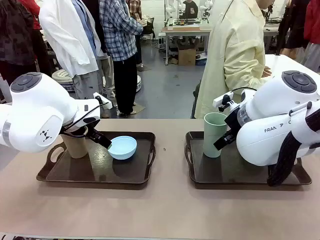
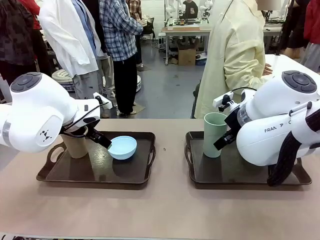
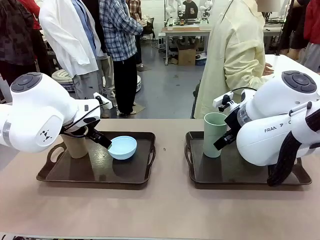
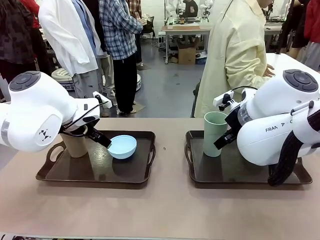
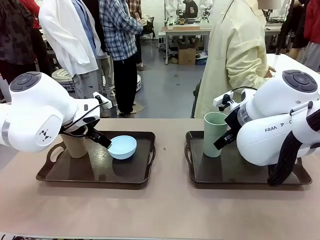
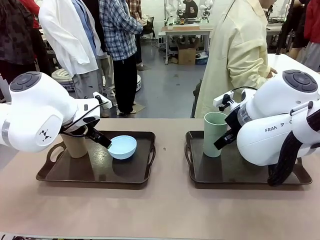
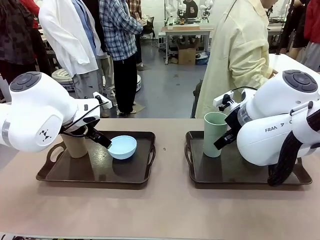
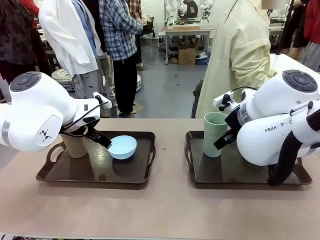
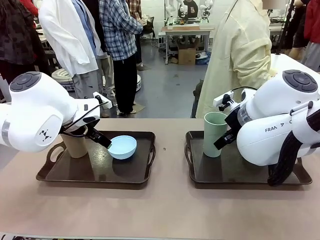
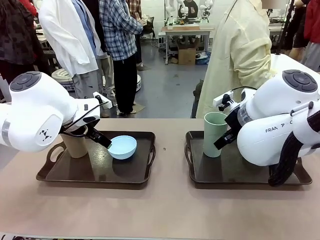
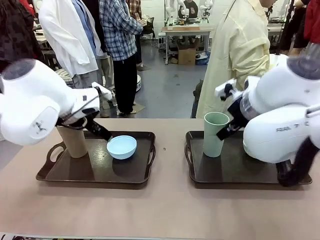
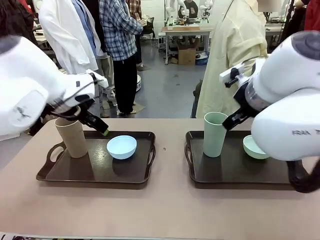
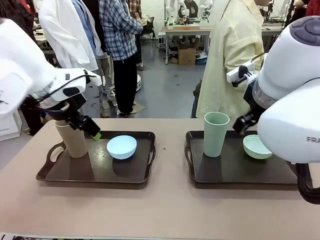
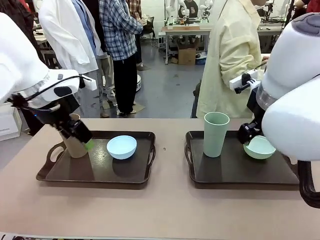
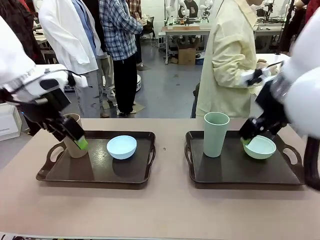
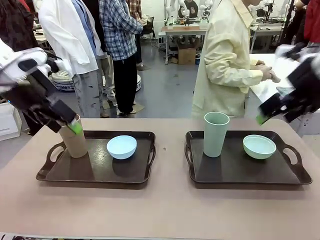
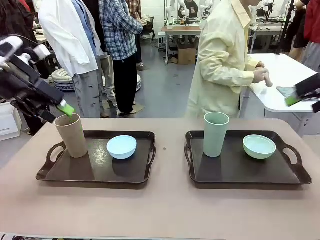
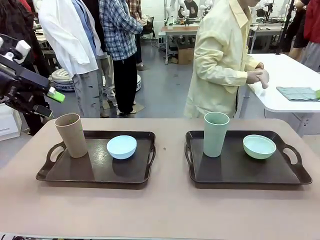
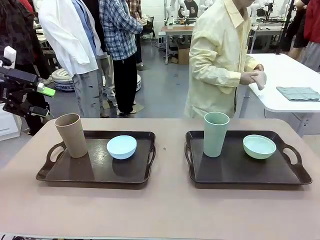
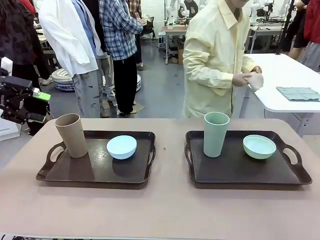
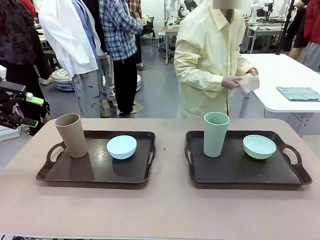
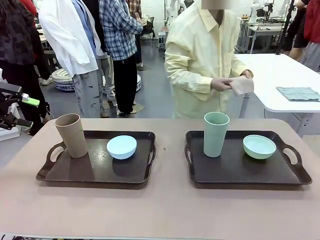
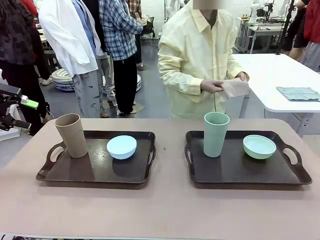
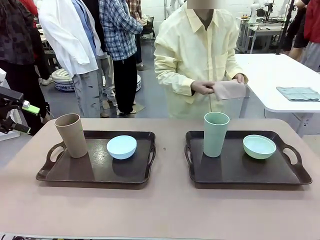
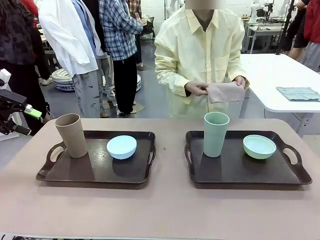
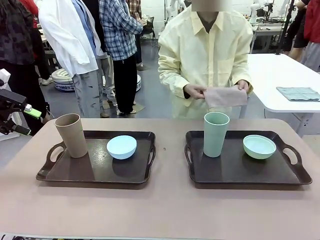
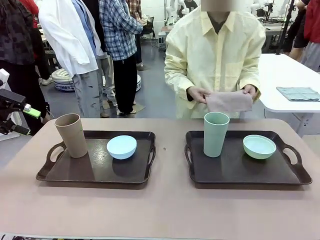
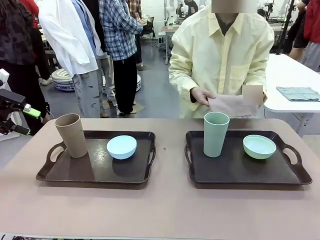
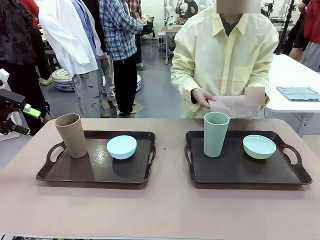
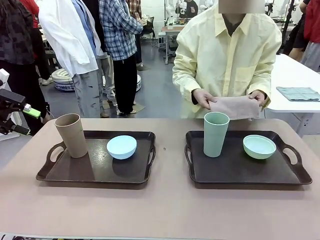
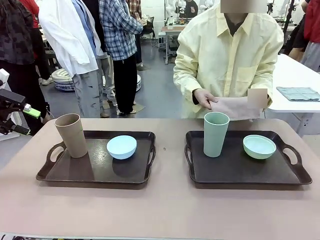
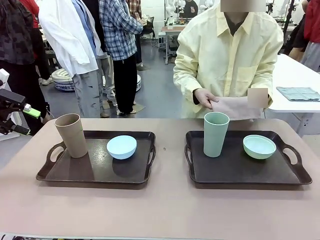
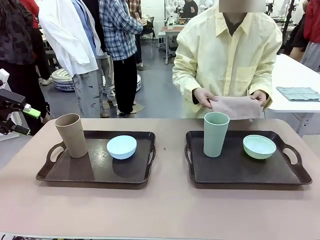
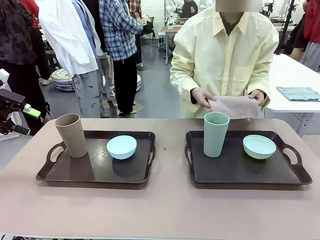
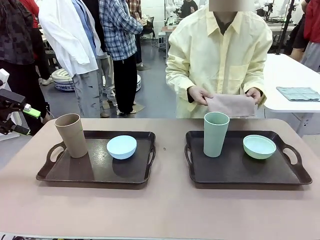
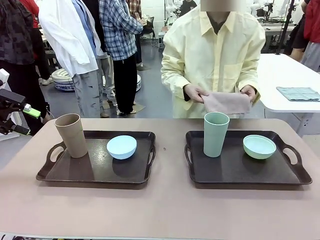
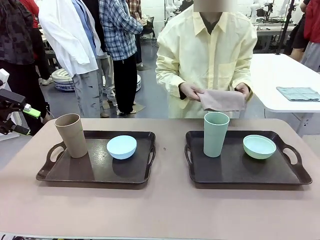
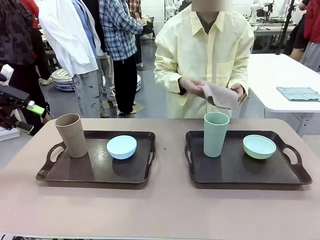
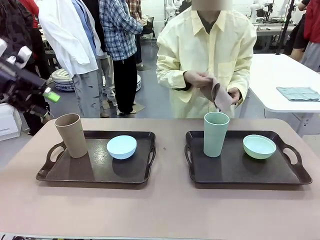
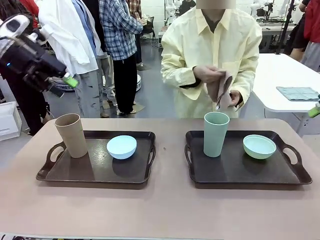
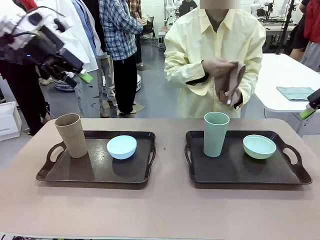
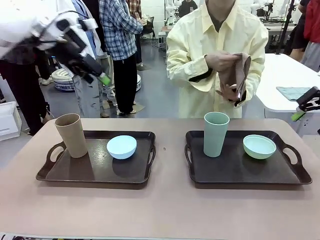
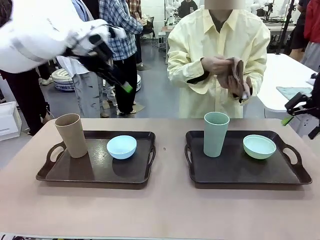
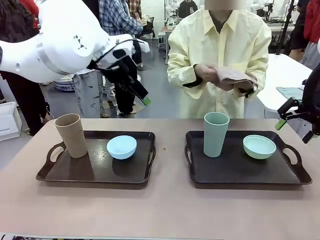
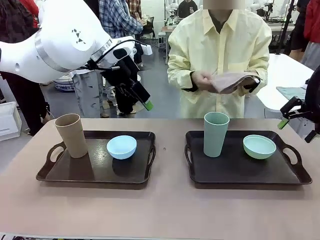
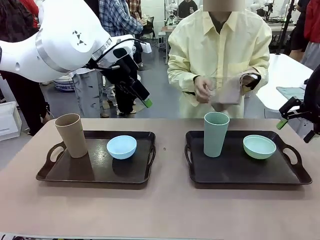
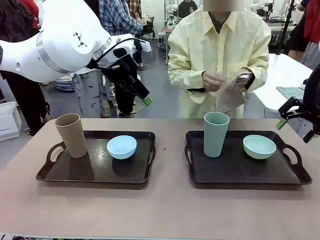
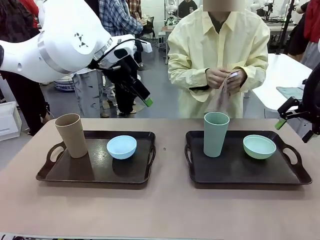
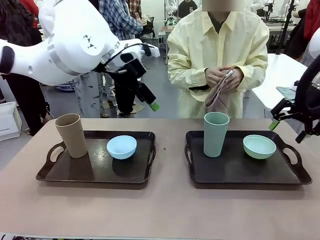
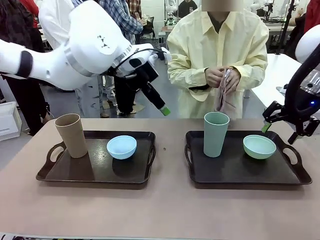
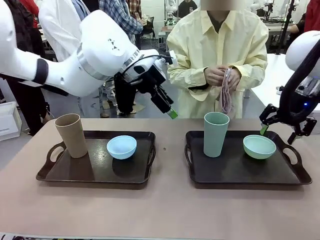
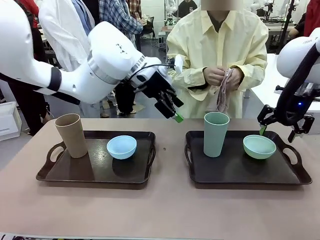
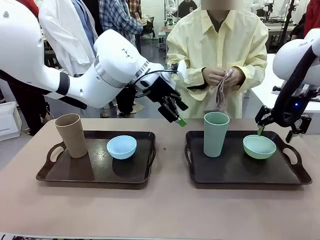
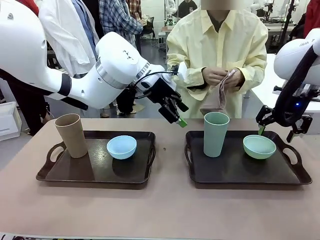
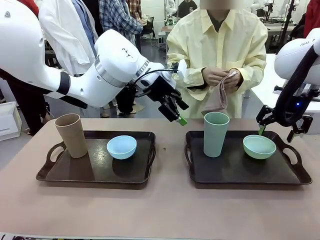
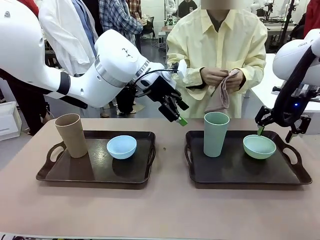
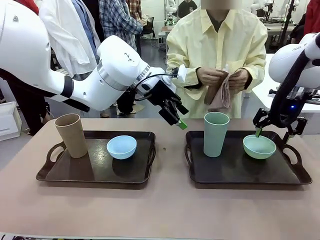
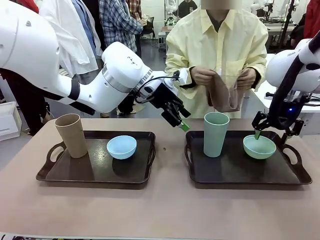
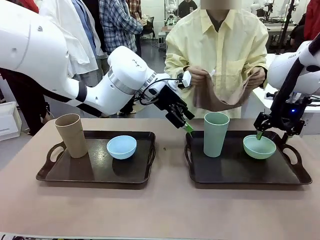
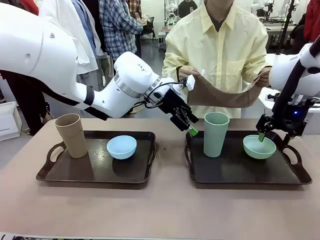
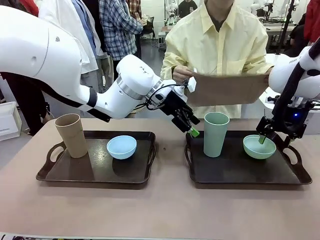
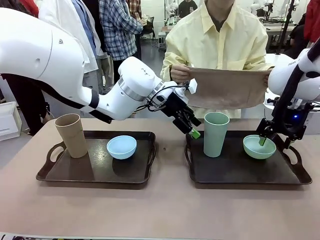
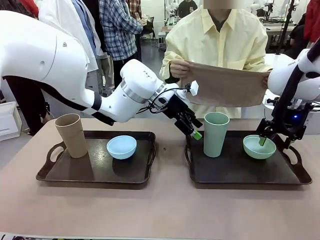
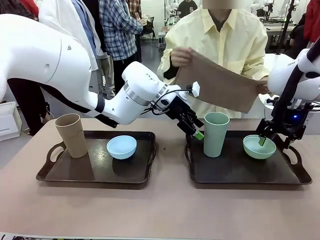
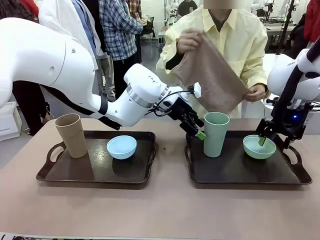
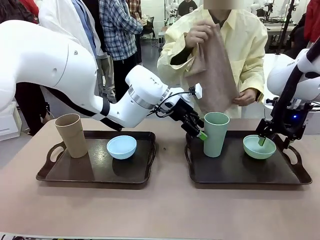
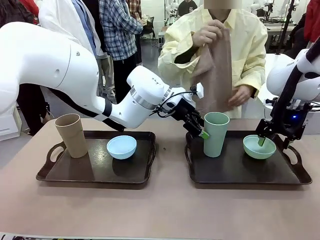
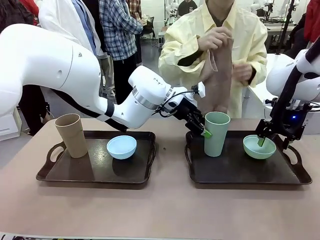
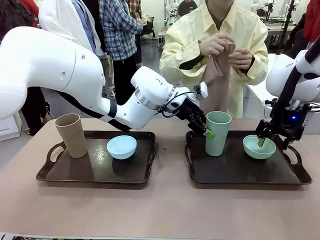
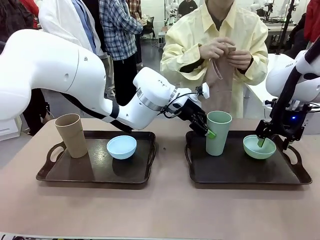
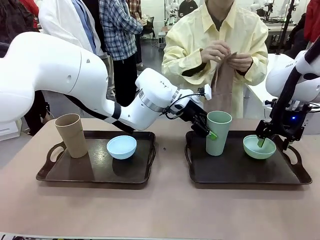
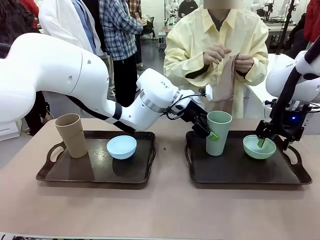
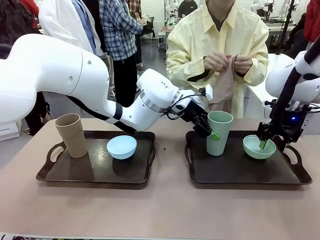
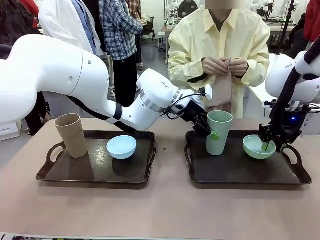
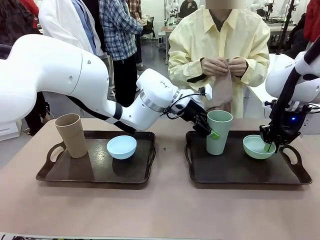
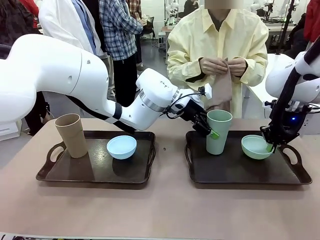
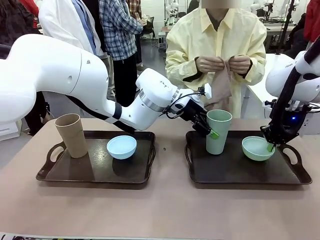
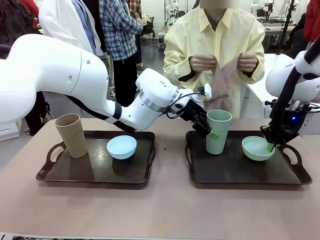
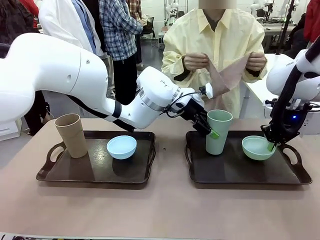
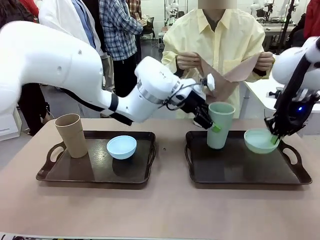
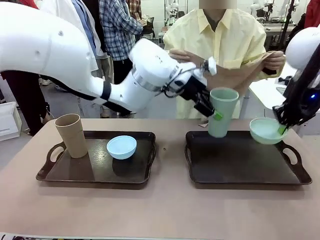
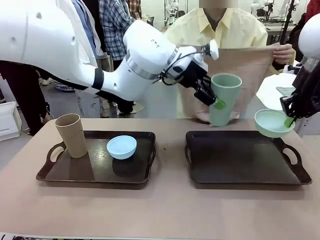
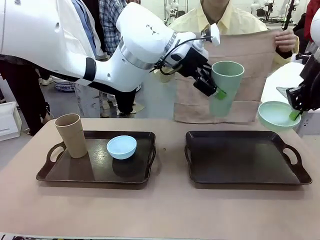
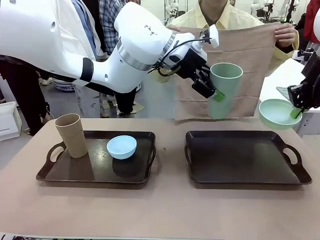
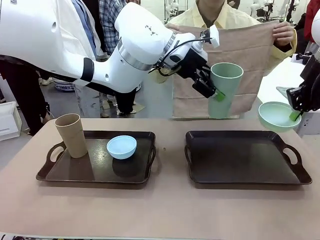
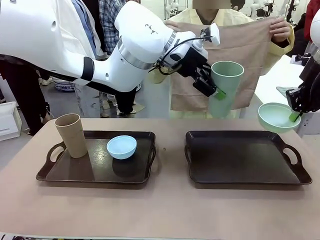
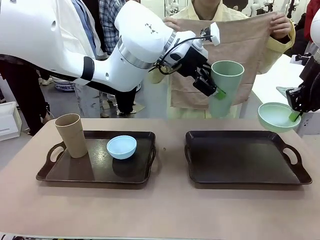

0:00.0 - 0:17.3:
Robot: Pick up the Picnic Bowl and Reusable plastic cup from the Handle tray in front of the human's position and hold them in the air.
Person: The human picks up the top napkin from the stack on the human table and walks to the robot table to stand in front of one of the two trays. When the robot lifts the bowl and the cup, the human unfolds the napkin and lays the napkin flat on the tray.
